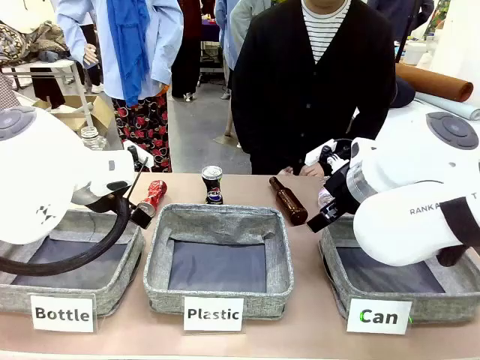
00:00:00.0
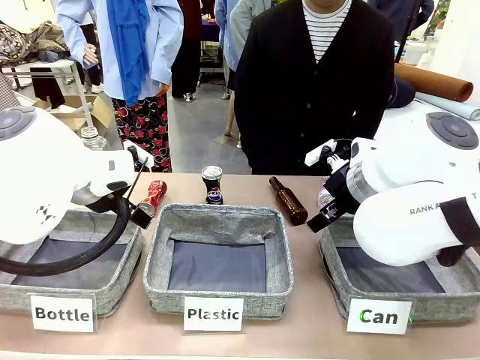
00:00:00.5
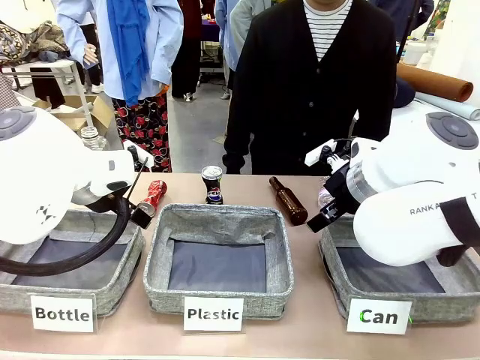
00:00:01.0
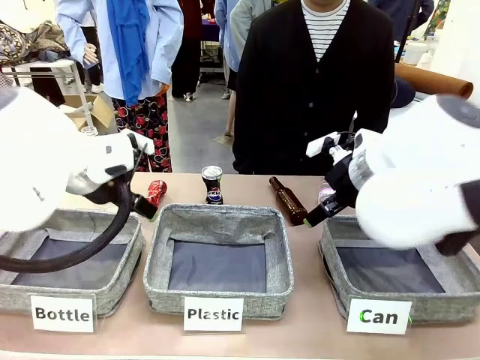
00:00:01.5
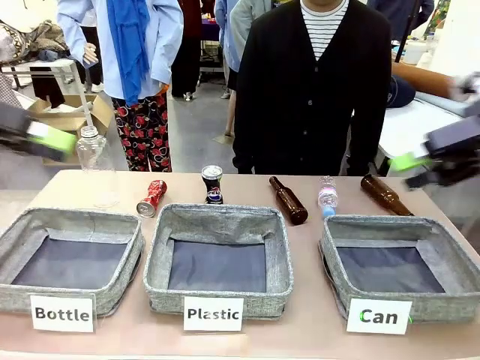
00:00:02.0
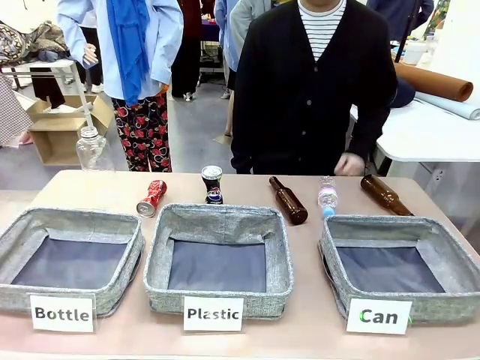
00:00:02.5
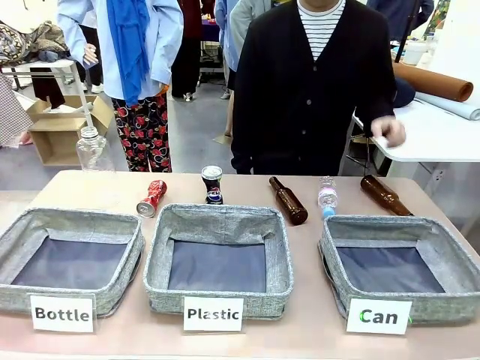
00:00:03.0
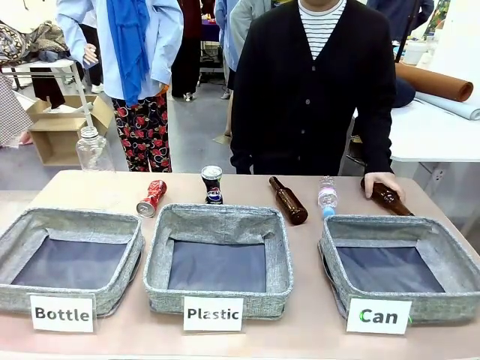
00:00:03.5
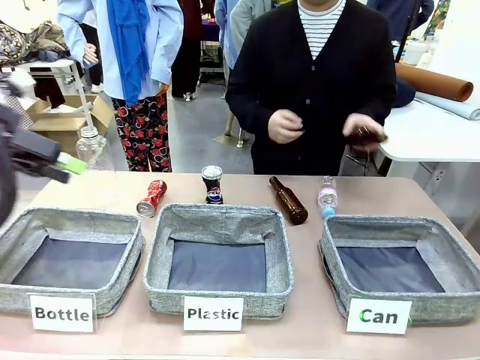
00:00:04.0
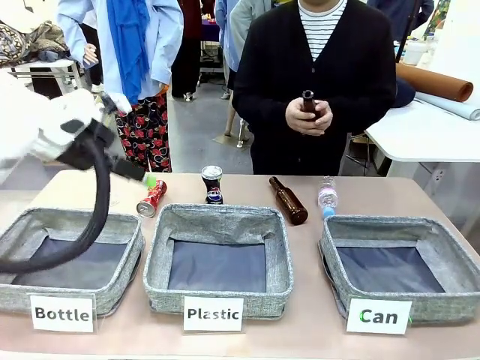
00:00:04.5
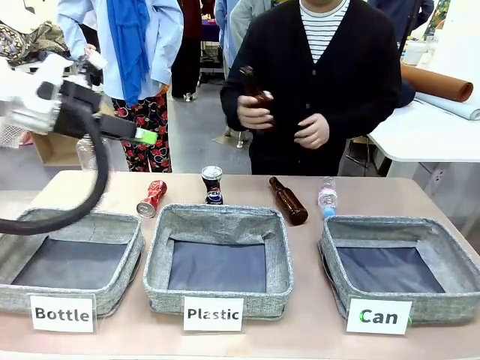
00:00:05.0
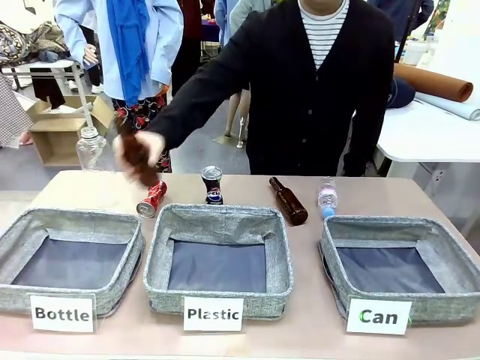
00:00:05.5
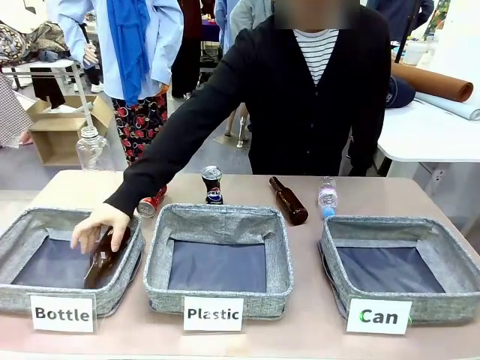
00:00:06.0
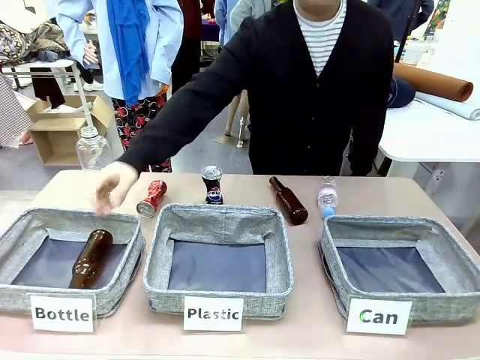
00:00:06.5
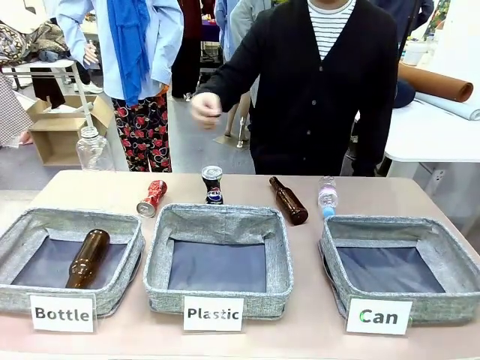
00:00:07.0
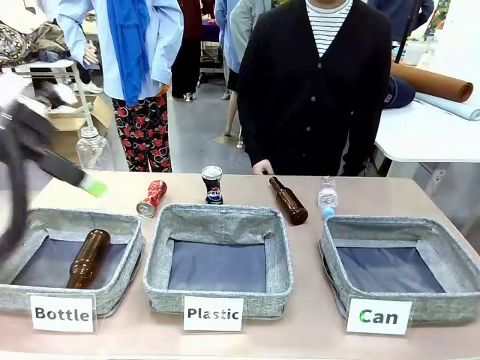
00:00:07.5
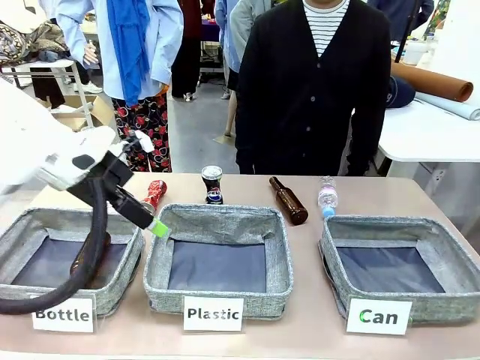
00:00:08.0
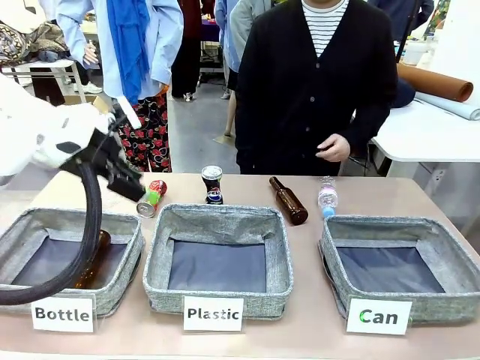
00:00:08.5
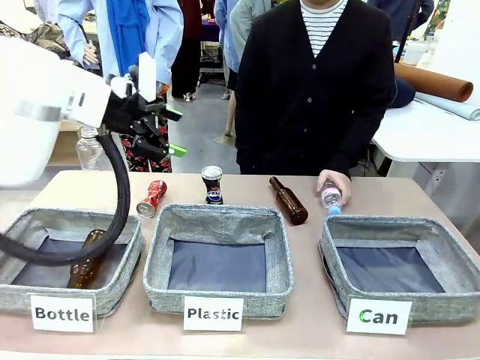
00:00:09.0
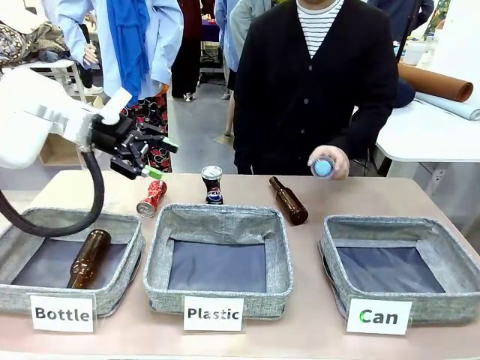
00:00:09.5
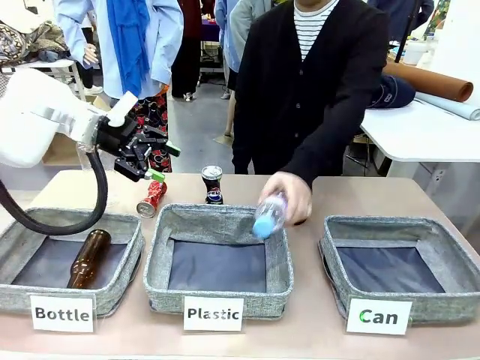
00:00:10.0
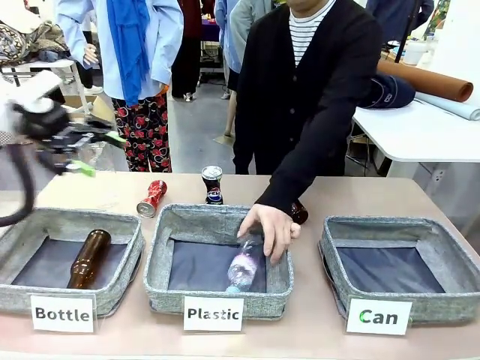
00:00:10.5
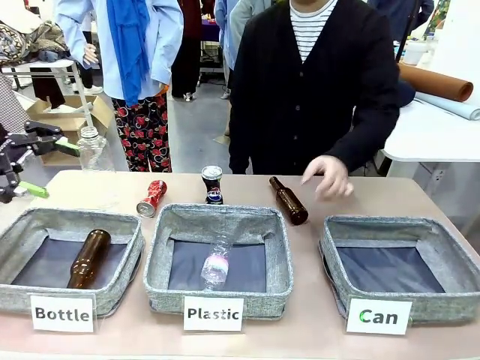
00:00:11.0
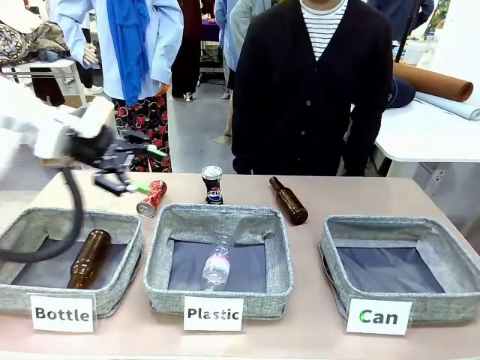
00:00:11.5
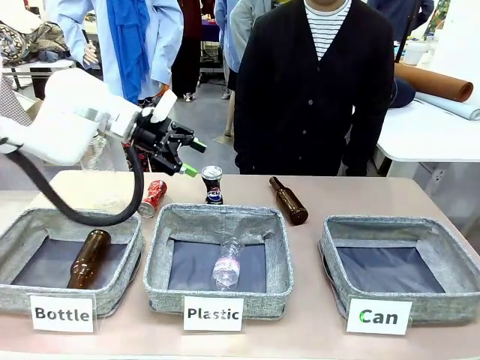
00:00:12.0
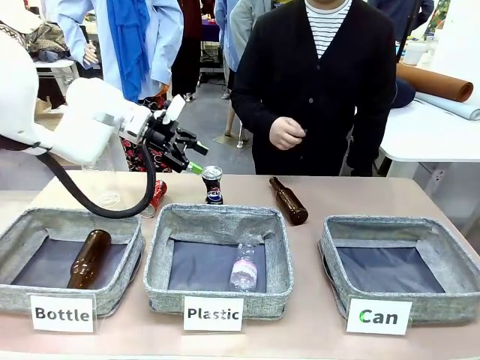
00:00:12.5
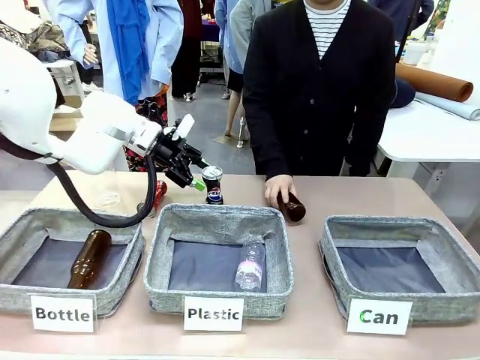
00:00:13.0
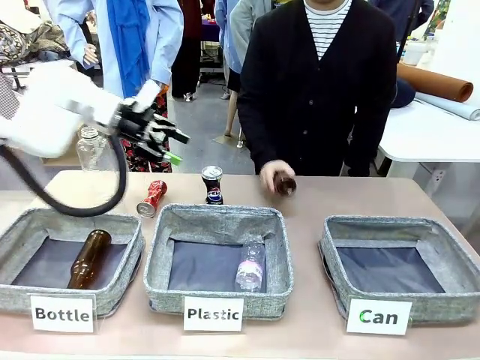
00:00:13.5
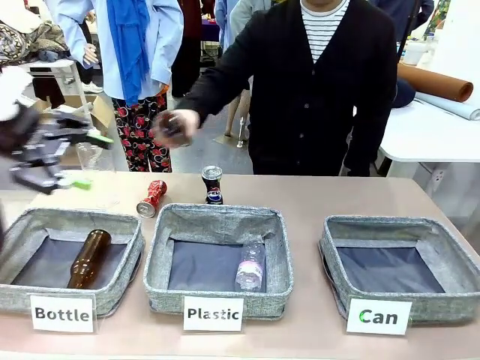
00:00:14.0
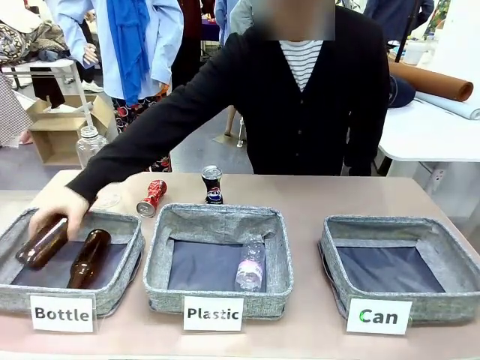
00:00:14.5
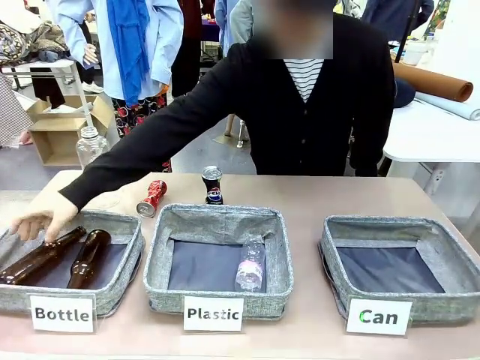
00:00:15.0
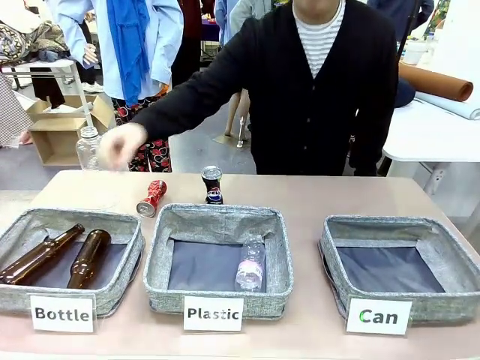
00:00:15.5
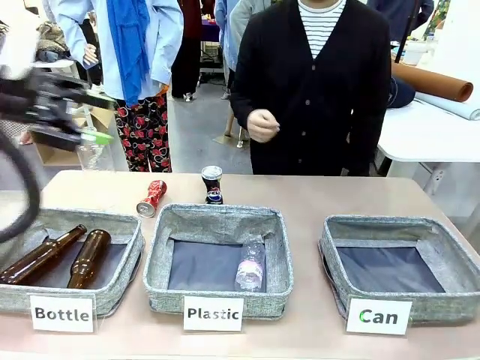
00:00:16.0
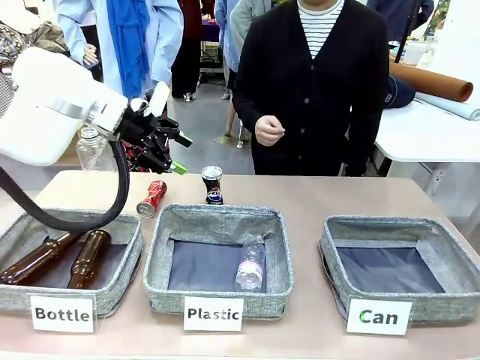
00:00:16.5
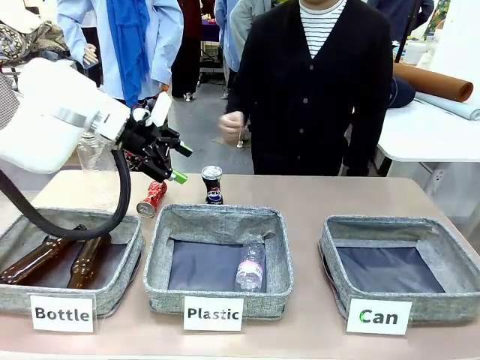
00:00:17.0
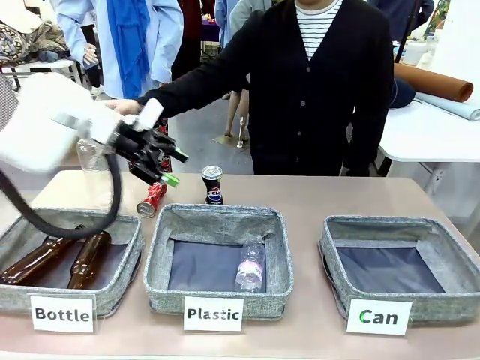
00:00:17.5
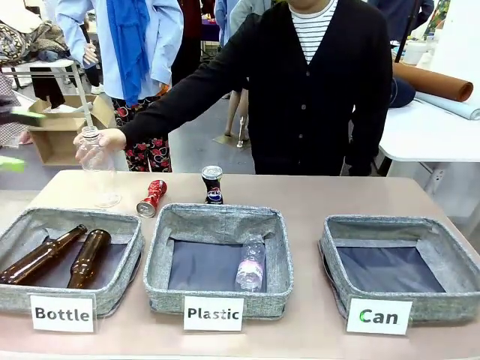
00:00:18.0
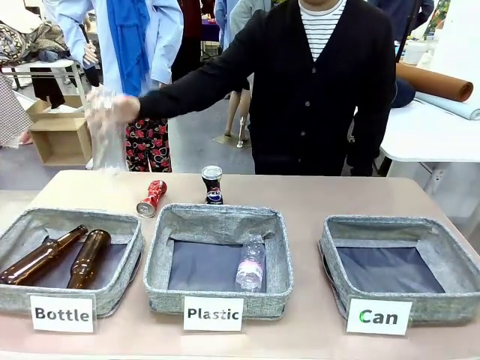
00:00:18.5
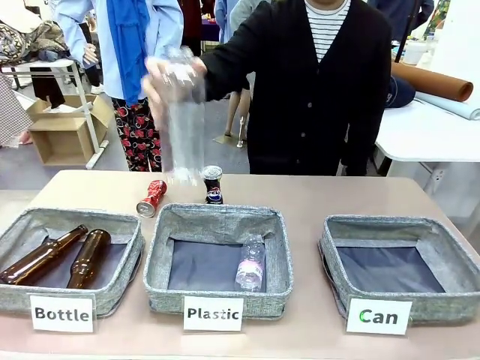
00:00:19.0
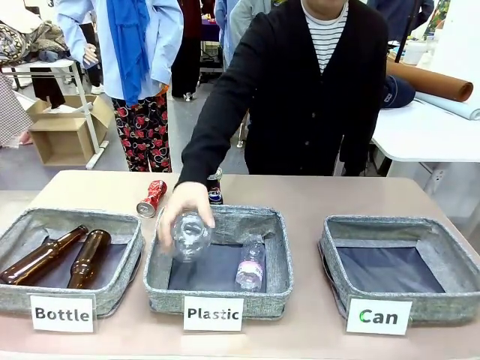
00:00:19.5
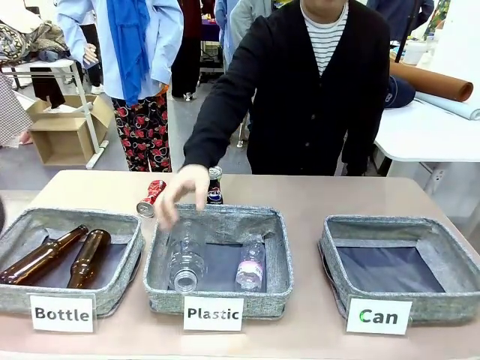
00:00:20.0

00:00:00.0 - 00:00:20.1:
Task: Sort the can waste into the basket.
Robot: Pick up the can waste from the table and place it in the right Fabric basket.
